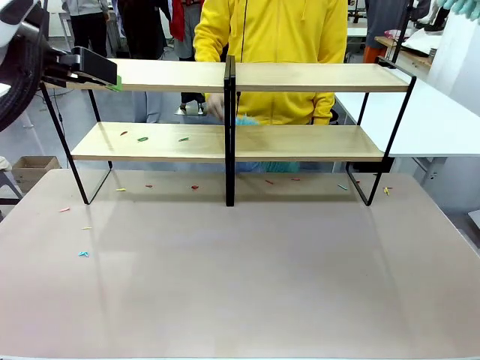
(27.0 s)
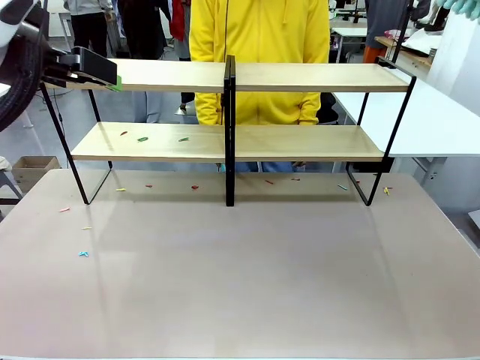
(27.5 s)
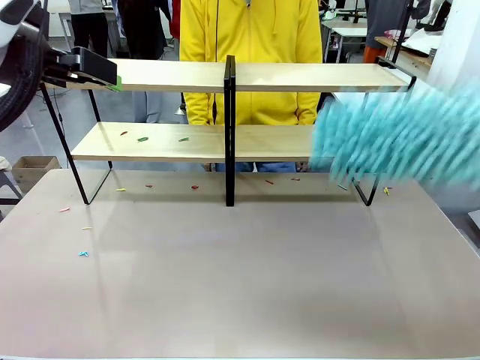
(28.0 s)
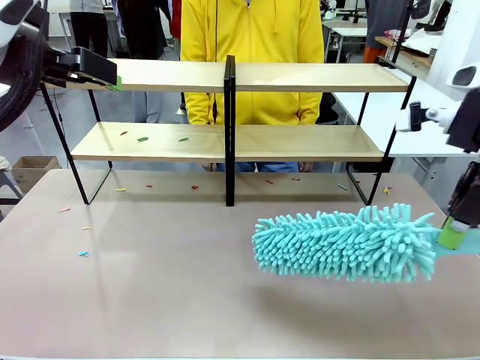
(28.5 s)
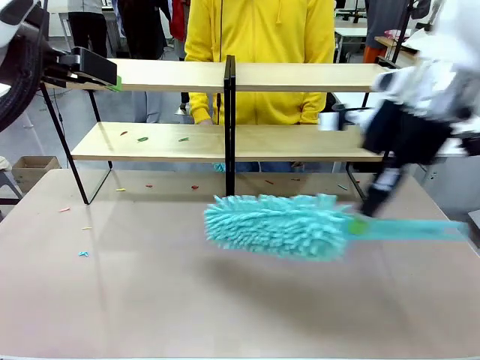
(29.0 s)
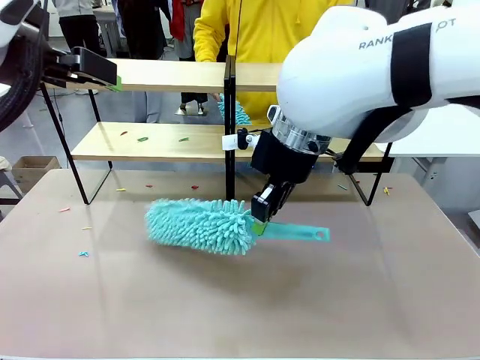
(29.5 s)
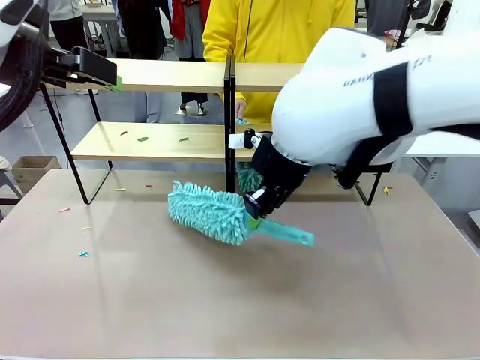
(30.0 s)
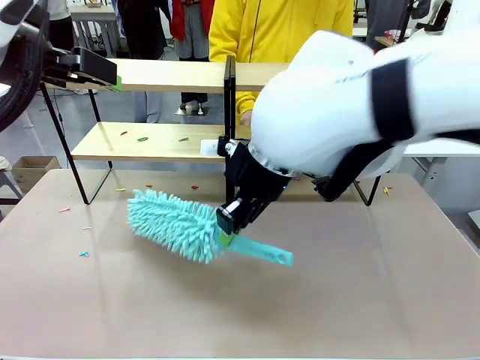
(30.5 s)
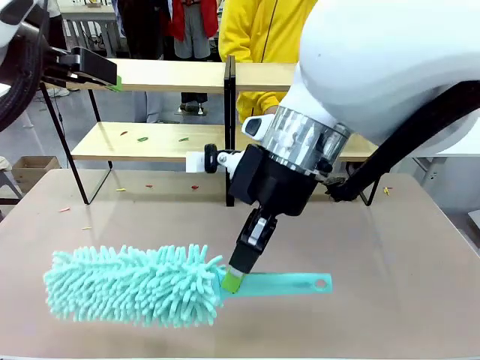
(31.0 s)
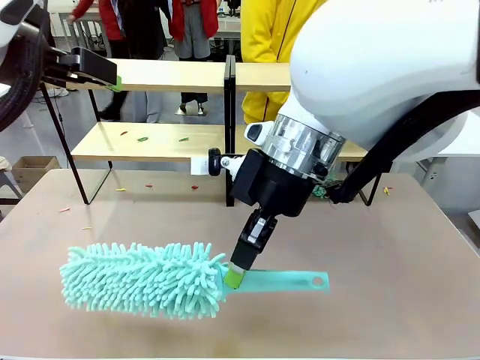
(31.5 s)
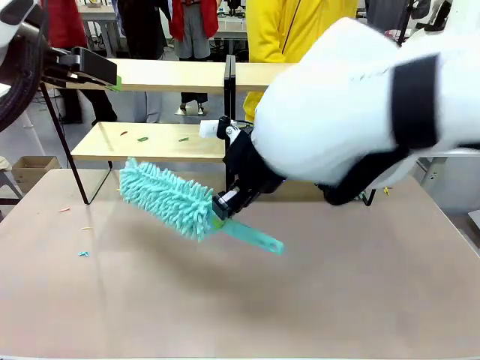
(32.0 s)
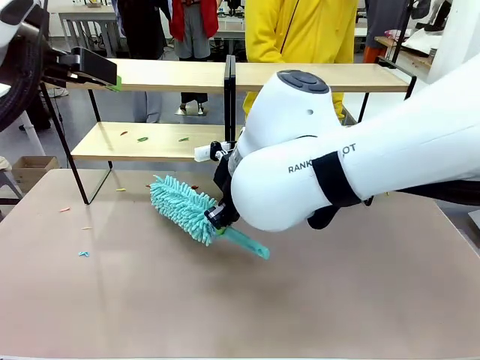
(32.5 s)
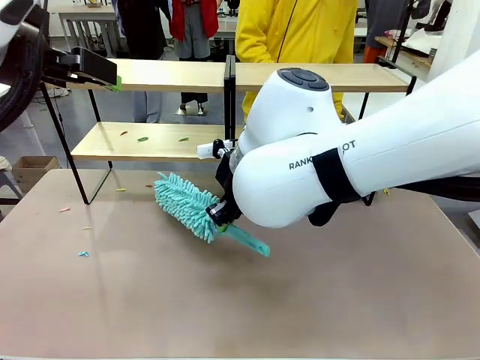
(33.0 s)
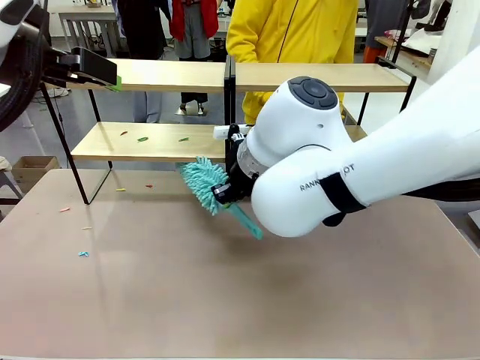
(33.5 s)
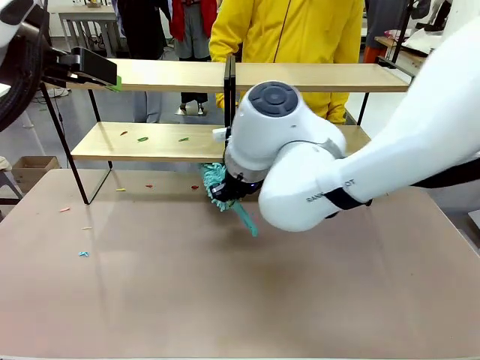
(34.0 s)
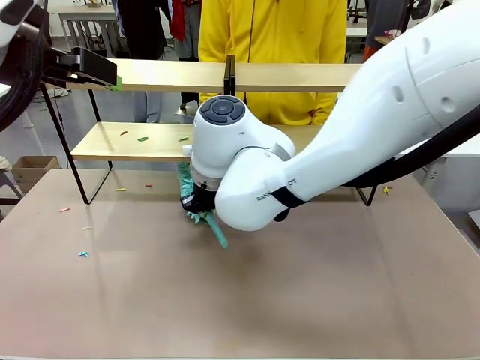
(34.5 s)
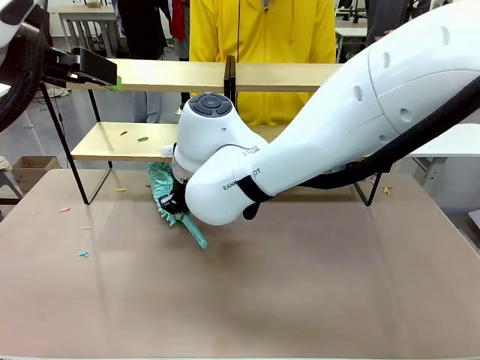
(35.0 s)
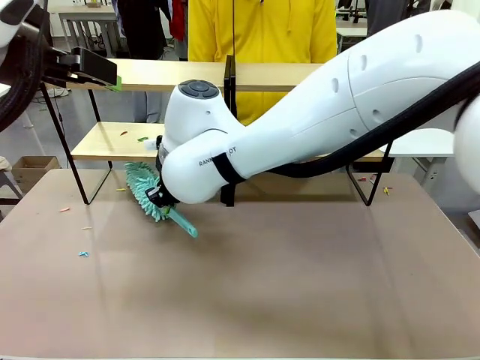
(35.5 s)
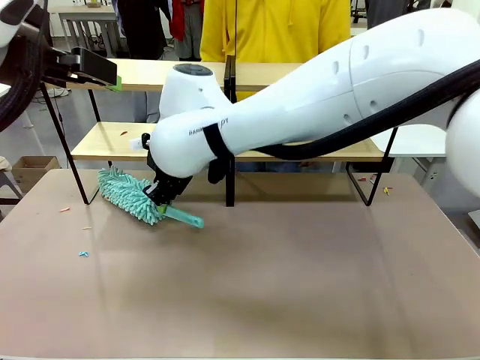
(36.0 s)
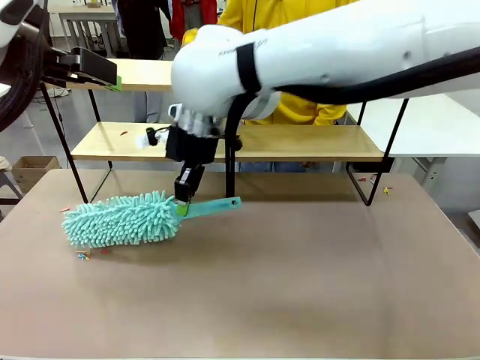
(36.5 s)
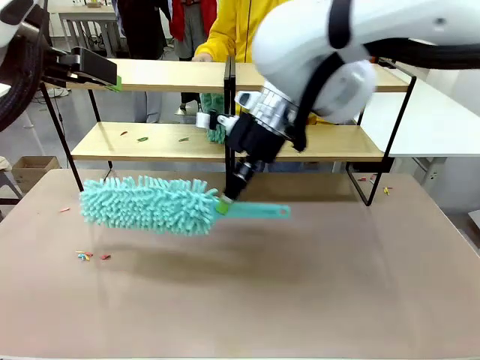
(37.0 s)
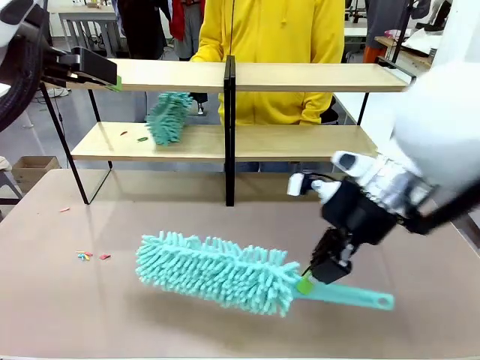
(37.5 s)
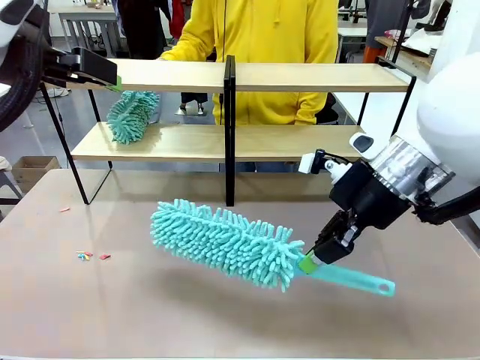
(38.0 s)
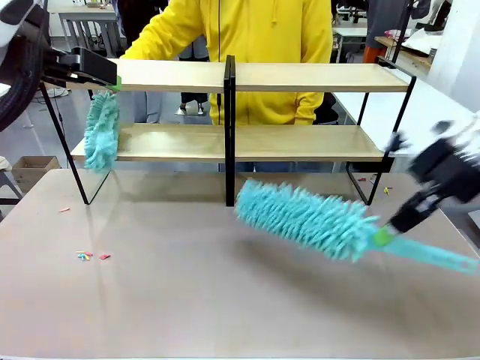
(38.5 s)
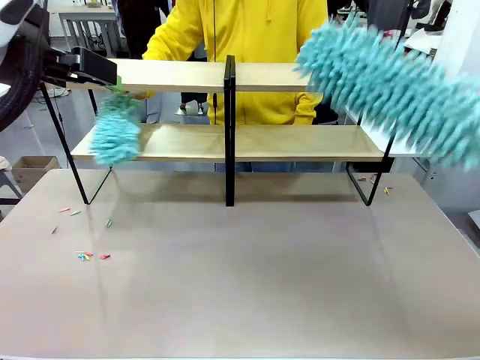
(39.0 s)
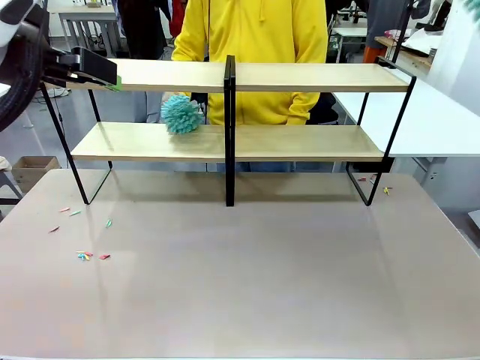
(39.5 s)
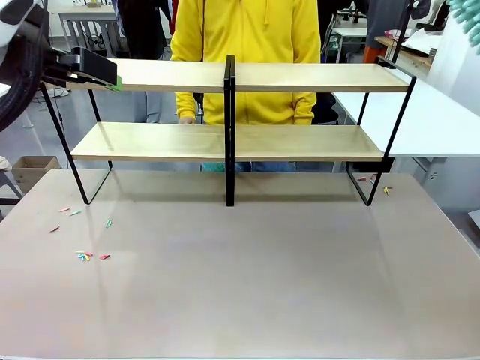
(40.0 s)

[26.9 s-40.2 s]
Task: Clean the shelves.
Robot: Clean another randomly selected level of the Shelf with the Duster.

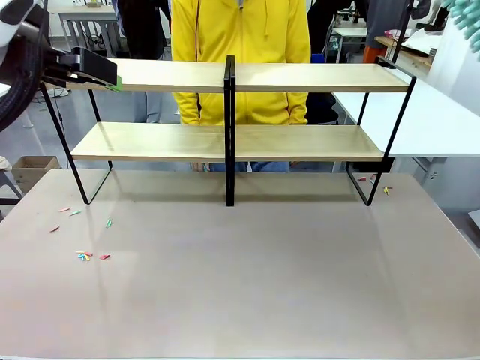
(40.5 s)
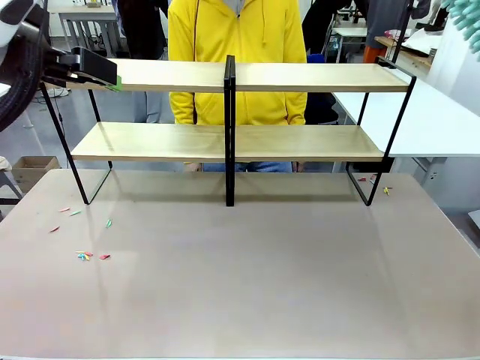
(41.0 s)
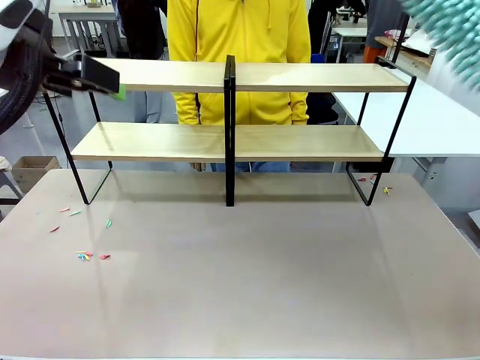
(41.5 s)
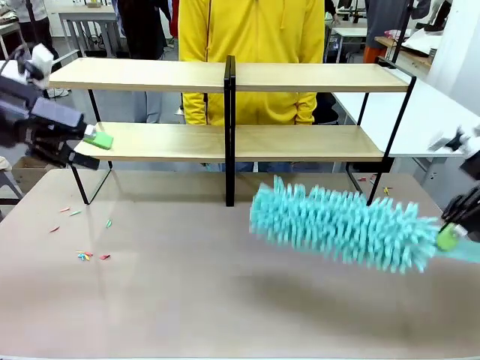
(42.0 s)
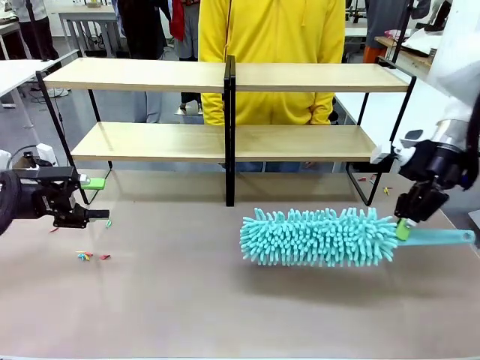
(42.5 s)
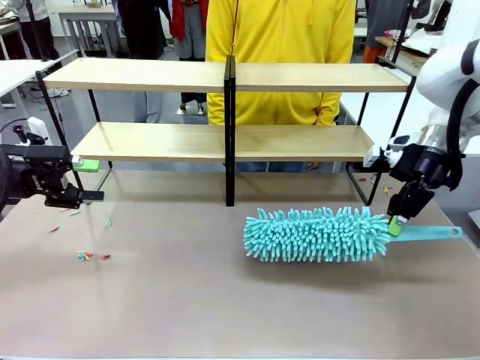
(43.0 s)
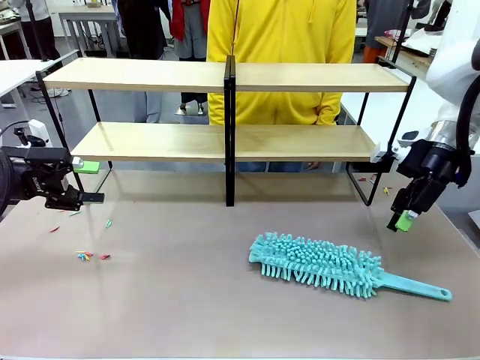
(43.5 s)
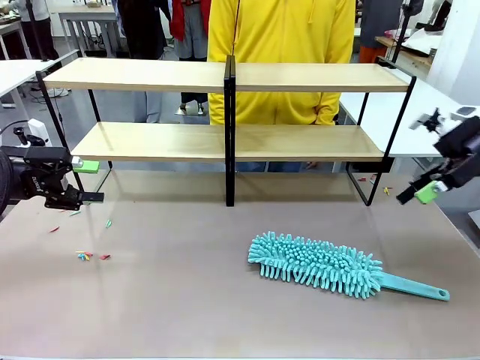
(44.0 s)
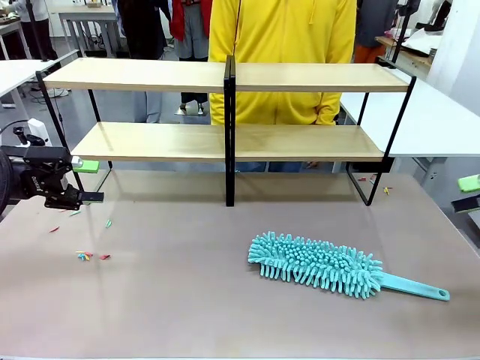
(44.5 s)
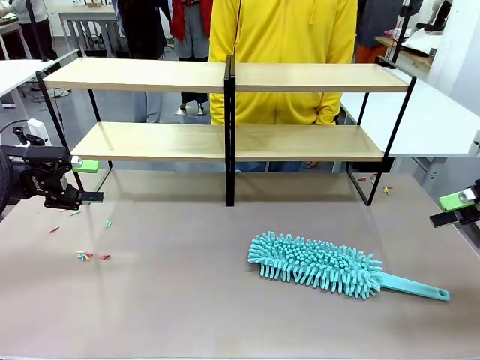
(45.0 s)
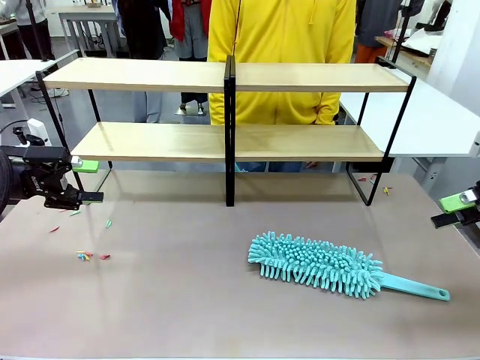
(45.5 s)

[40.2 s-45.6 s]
Robot: Place the Duster on the table.

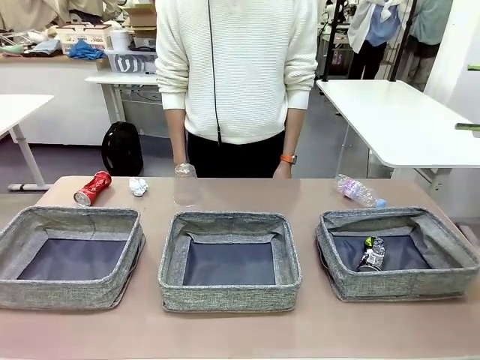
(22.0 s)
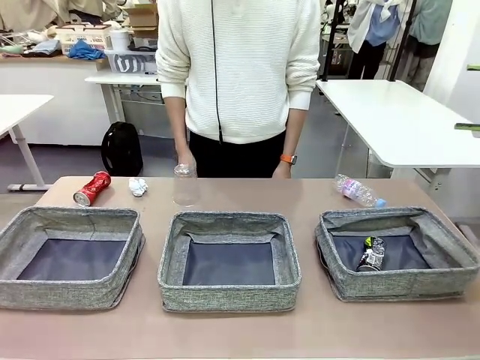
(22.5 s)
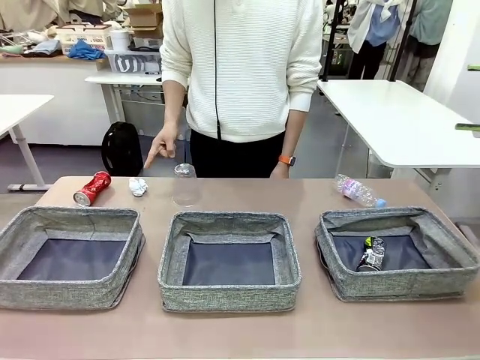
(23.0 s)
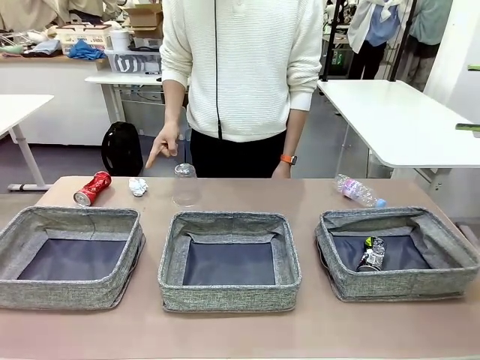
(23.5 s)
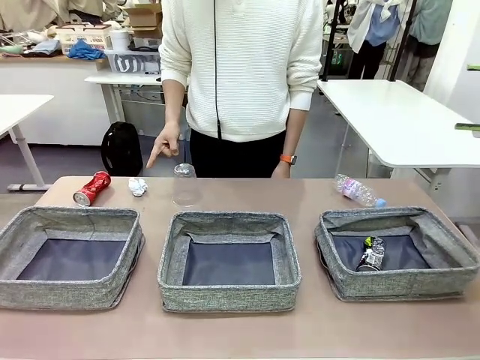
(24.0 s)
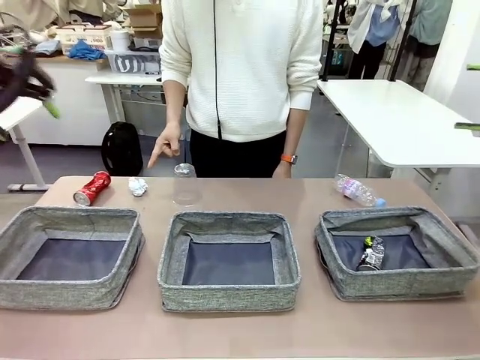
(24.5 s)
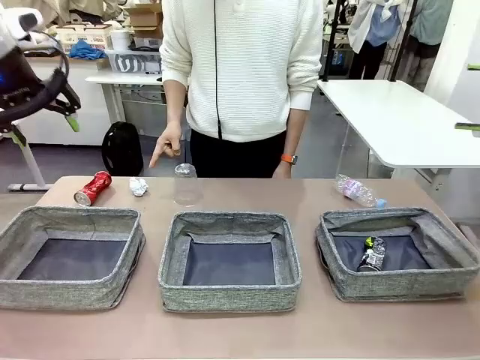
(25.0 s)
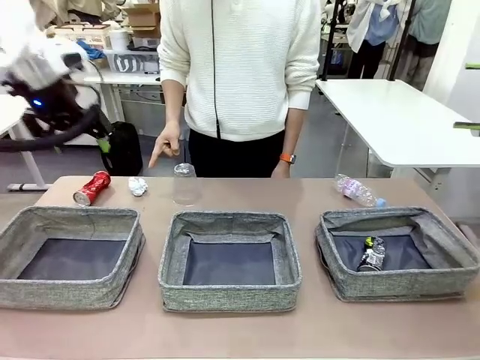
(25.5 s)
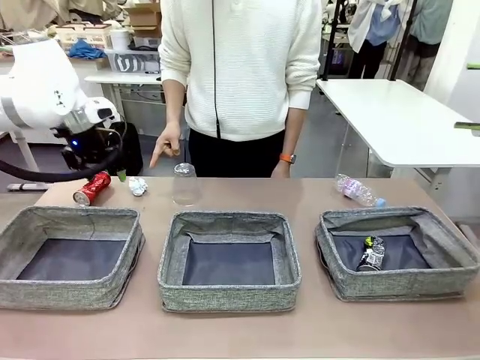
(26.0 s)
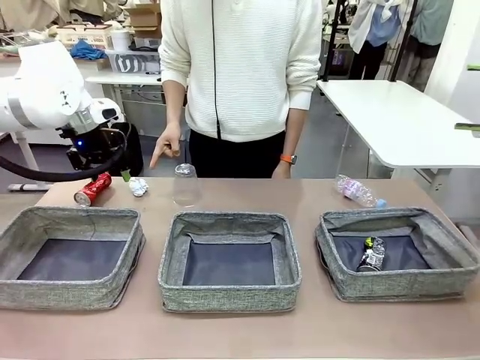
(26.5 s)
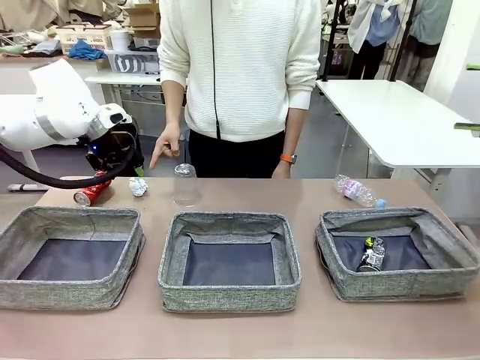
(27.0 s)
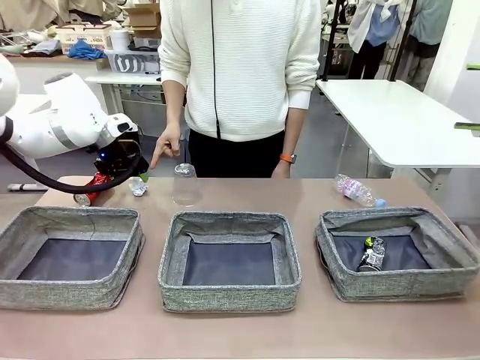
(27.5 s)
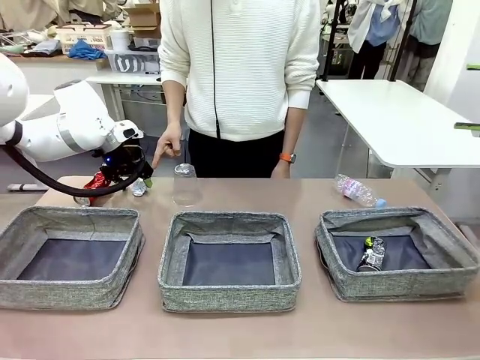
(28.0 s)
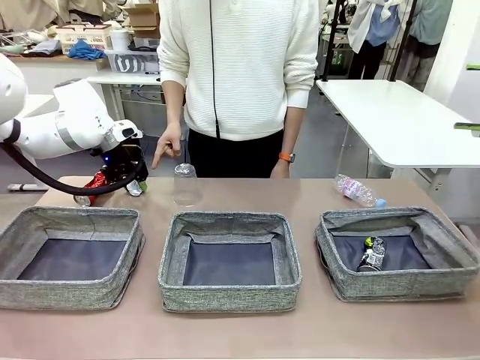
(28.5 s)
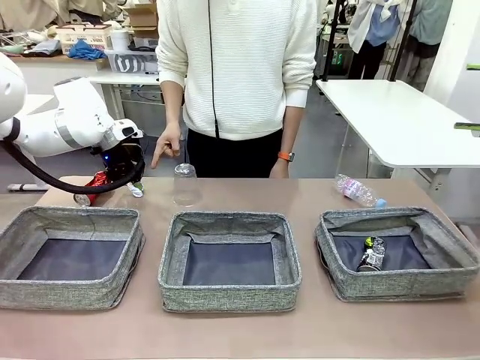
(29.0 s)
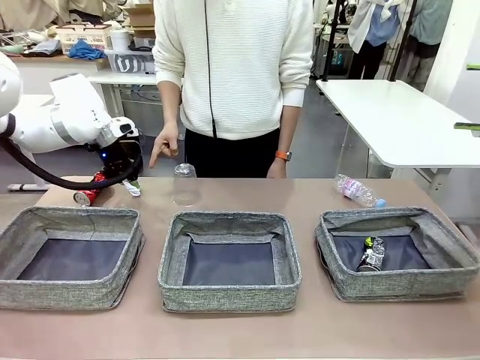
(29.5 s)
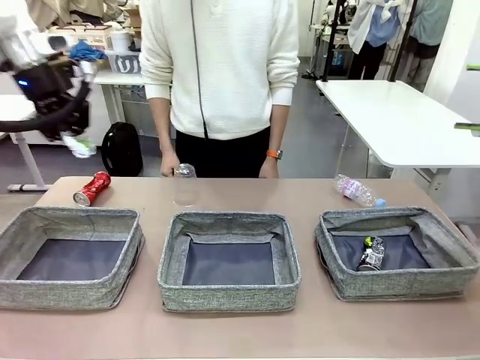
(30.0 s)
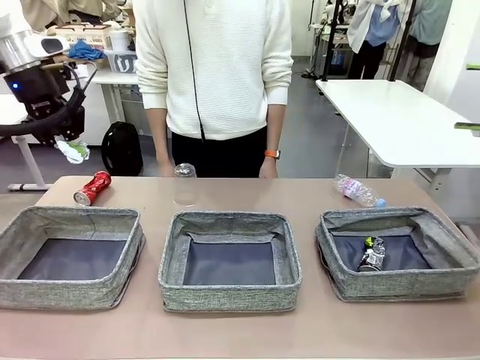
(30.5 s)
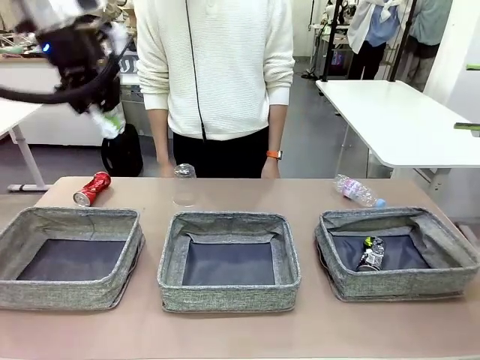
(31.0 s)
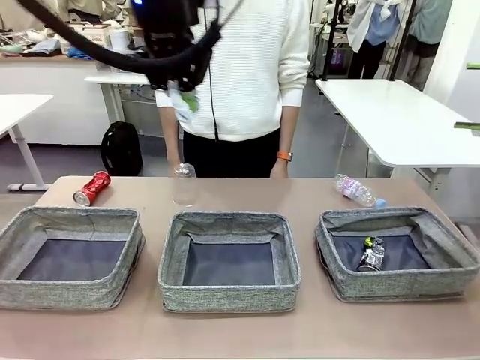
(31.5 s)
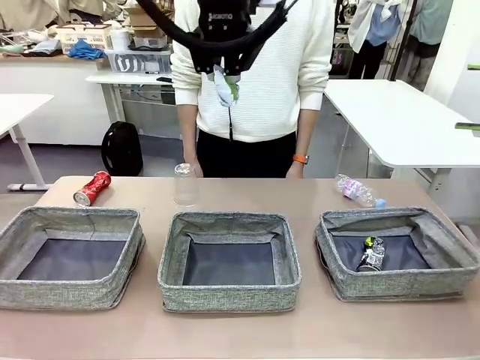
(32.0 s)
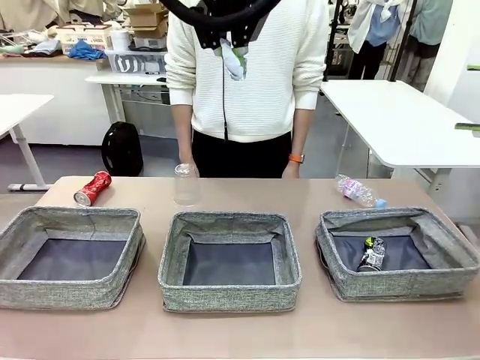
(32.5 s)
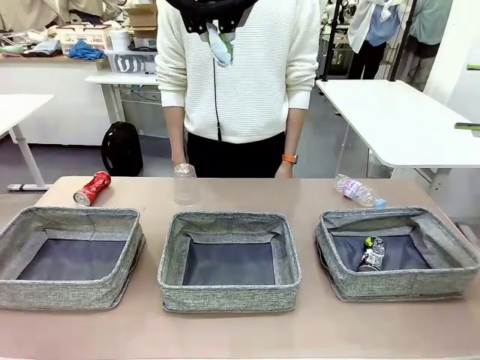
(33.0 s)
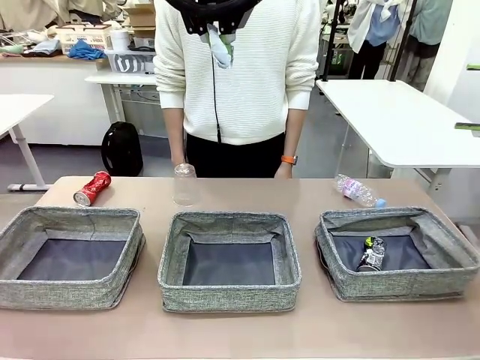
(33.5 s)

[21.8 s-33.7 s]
Task: Sort the waste into the appropriate baskets.
Robot: Pick up the waste item pointed out by the person.
Person: Points to one piece of trash on the table.
